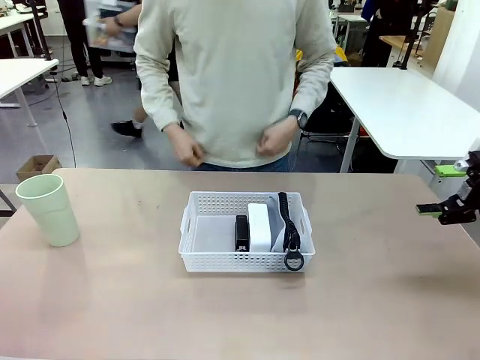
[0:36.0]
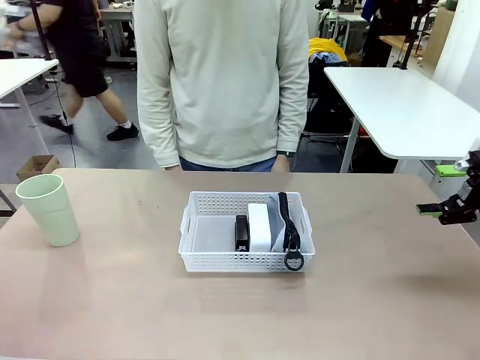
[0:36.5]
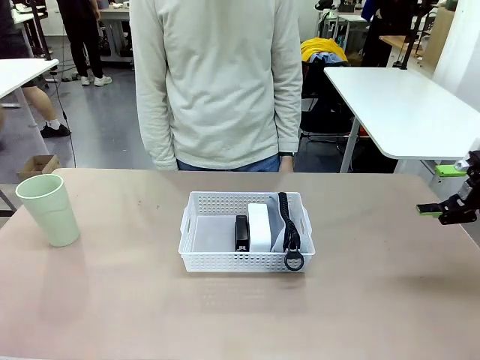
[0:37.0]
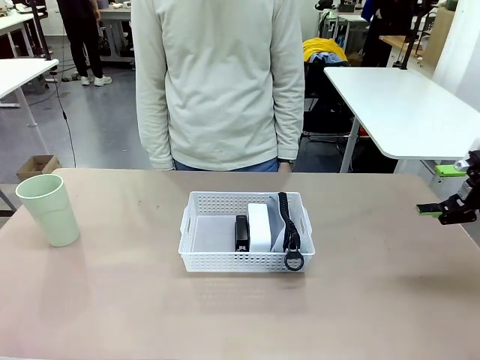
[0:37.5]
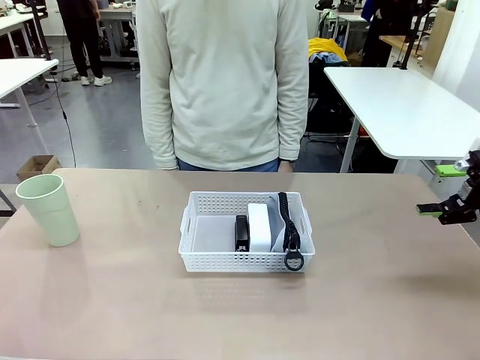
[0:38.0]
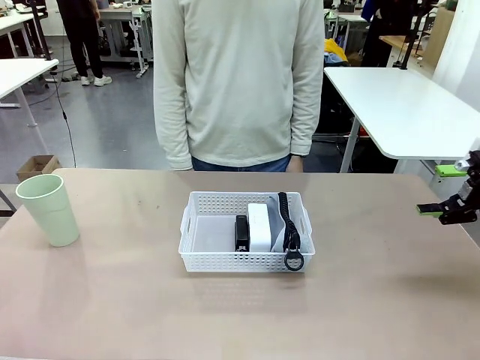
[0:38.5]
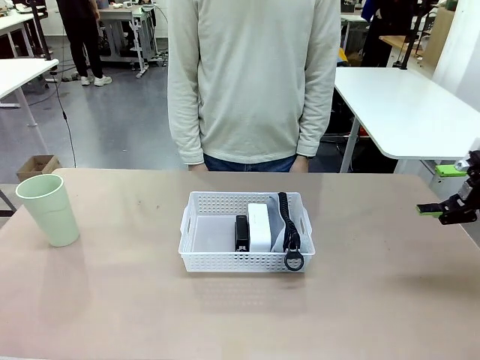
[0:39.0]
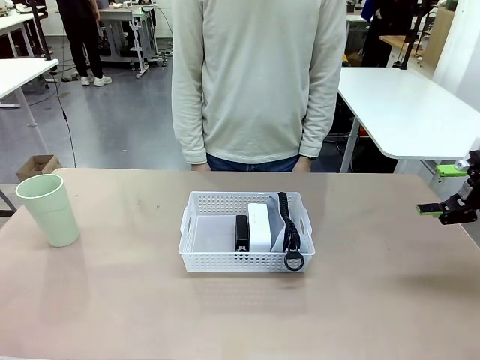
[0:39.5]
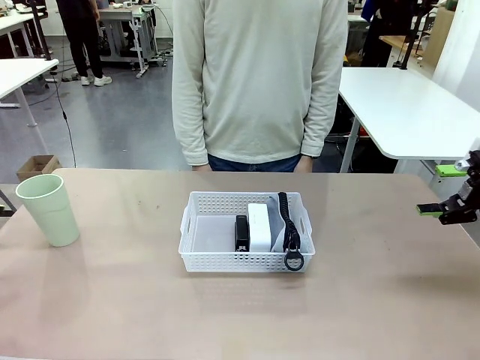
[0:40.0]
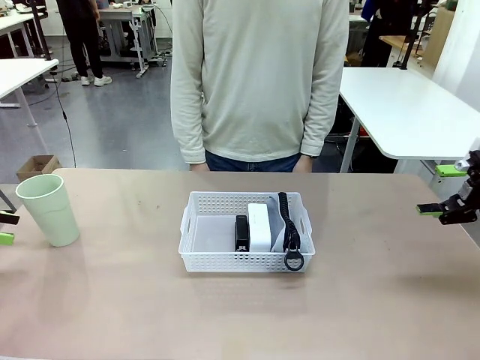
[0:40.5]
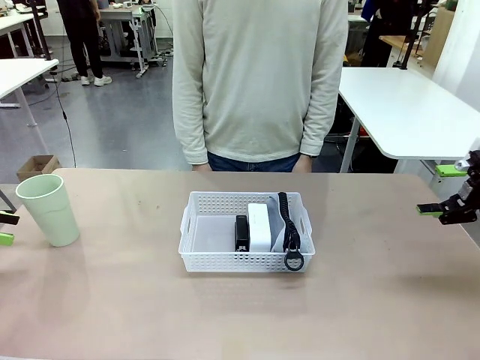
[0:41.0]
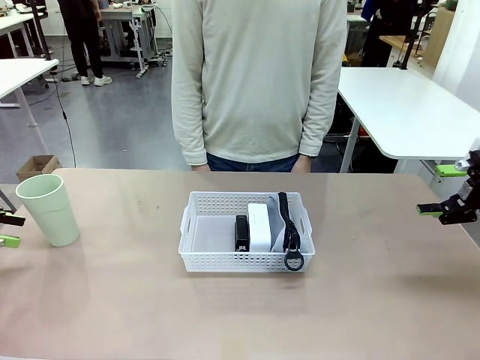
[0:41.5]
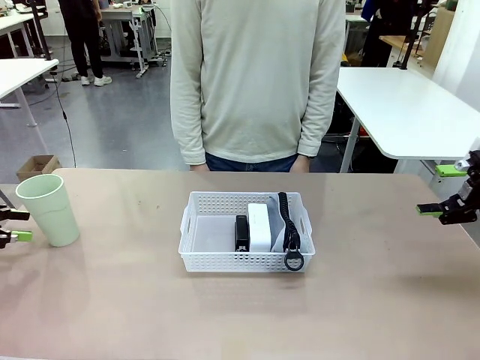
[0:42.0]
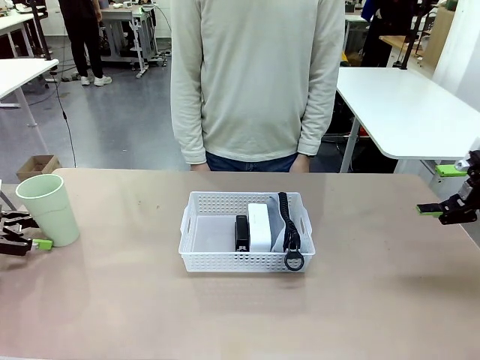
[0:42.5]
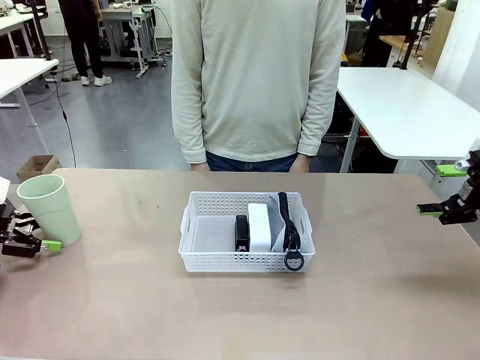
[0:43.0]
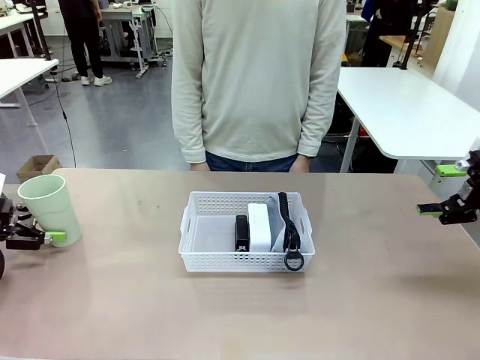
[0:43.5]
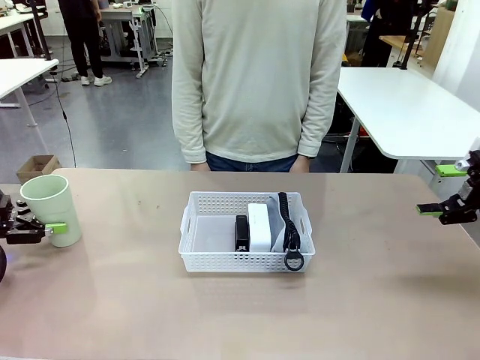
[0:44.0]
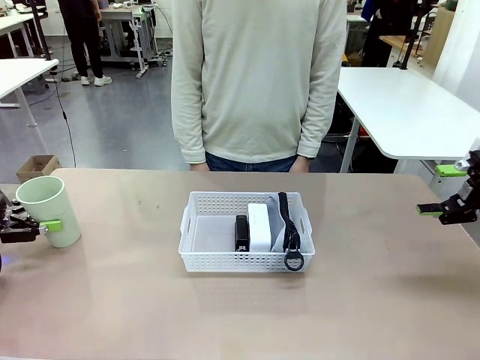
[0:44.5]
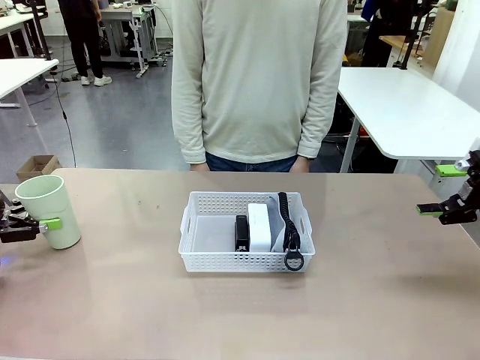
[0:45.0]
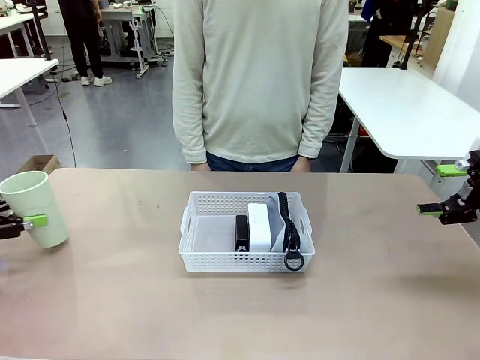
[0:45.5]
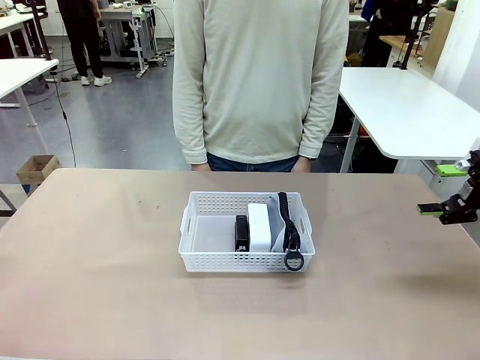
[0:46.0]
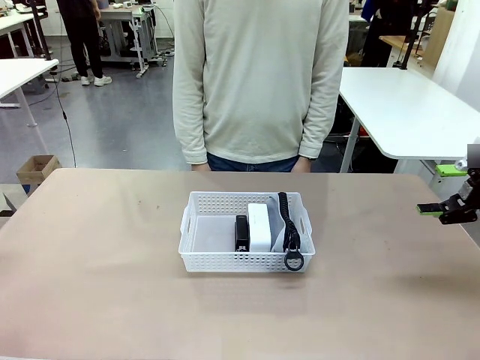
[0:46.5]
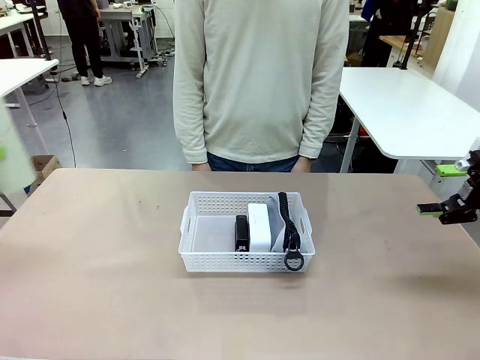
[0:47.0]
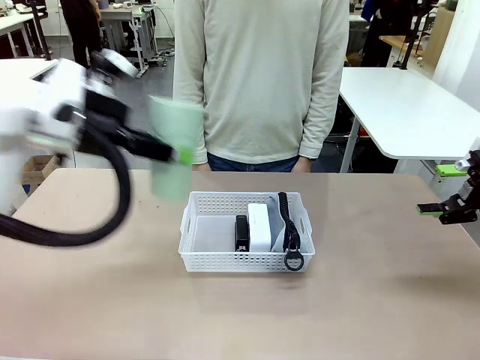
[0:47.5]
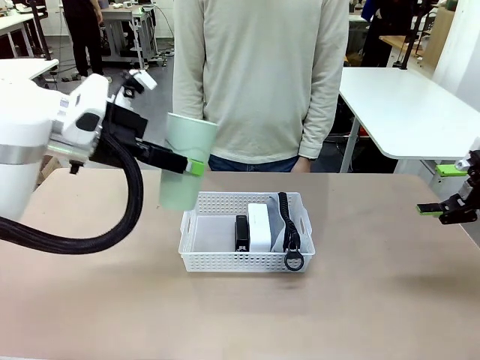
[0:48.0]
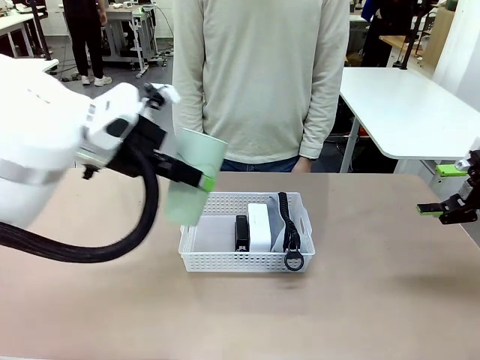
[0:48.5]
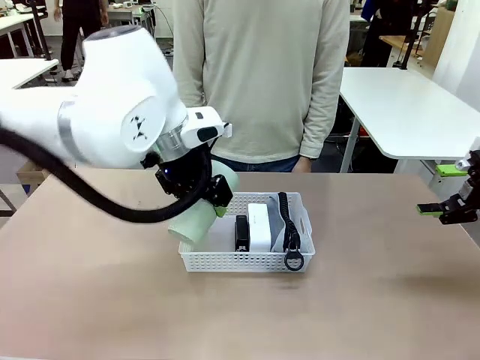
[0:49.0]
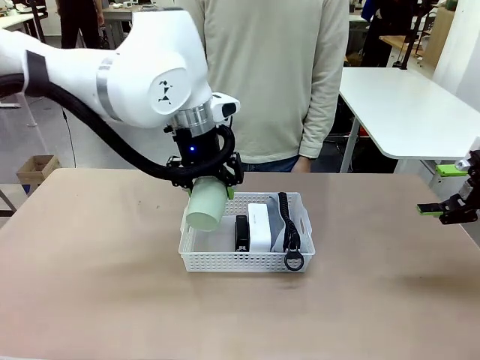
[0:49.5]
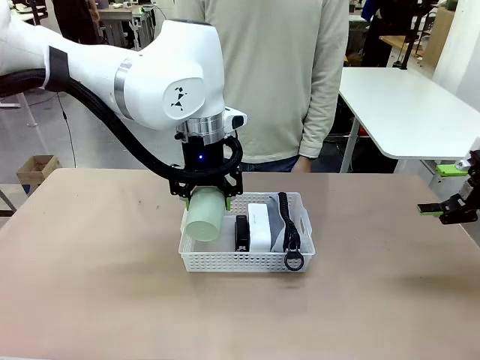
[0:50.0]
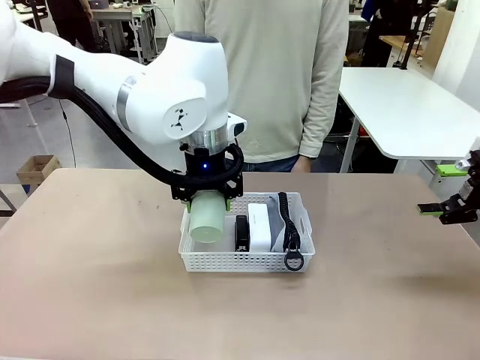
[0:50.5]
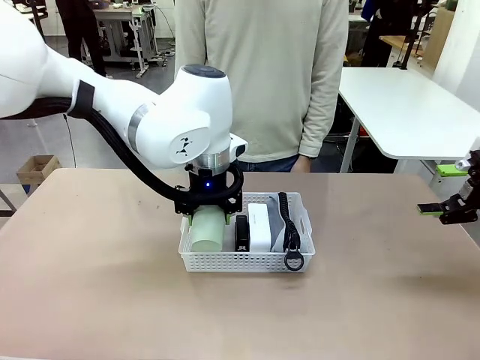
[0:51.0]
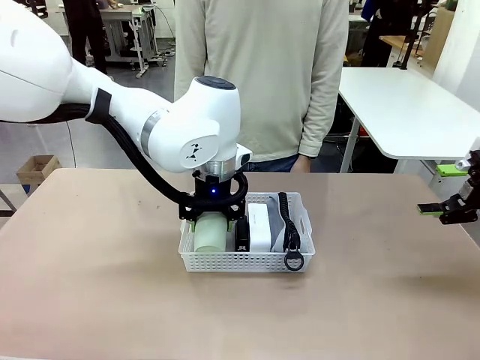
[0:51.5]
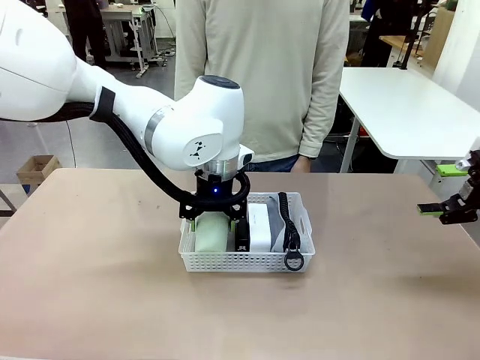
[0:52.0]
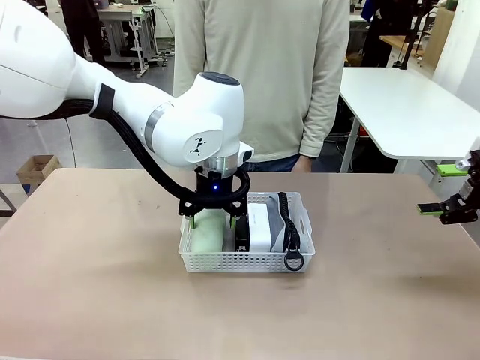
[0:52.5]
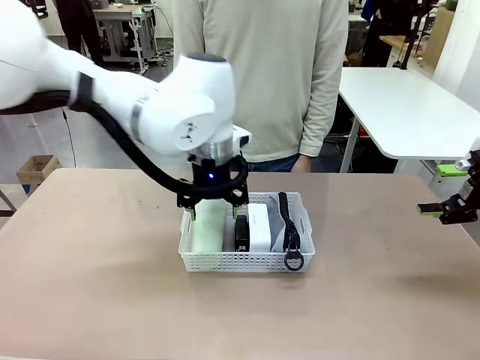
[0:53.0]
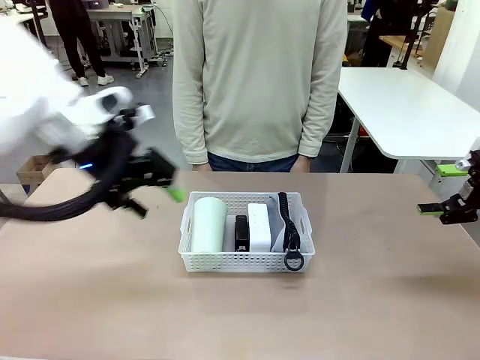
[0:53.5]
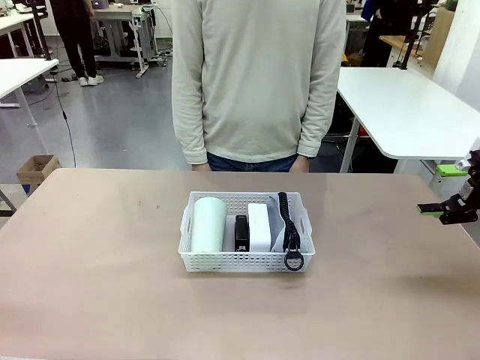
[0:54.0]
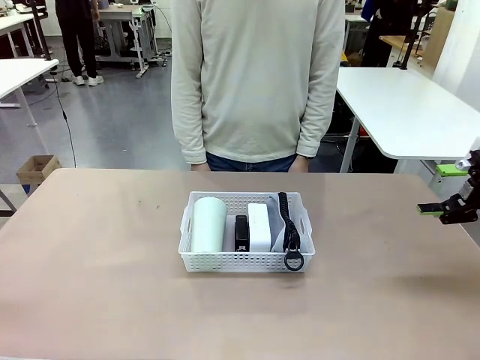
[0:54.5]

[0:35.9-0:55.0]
Task: Efficiently arrange items inside the basket to fit them all.
Robot: Pick up the Reusable plastic cup and place it inside the Organizing basket.
Person: Repositions the stapler.
